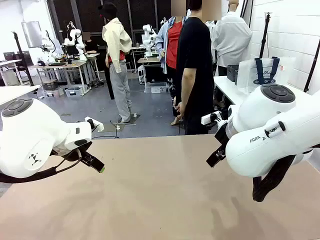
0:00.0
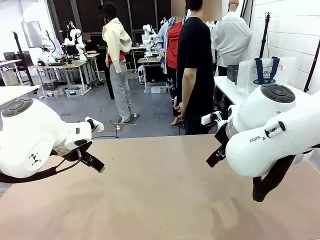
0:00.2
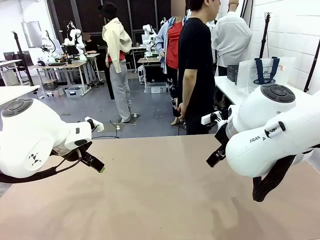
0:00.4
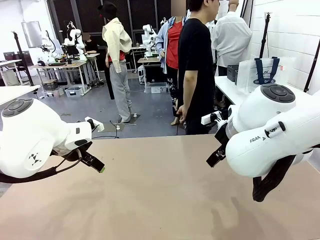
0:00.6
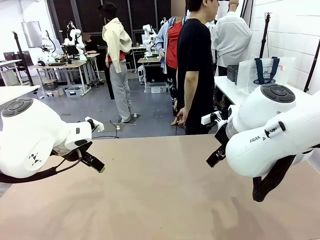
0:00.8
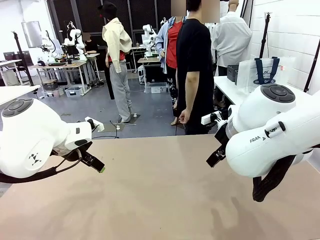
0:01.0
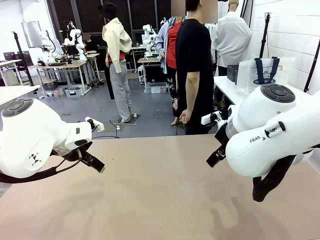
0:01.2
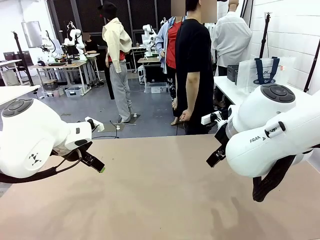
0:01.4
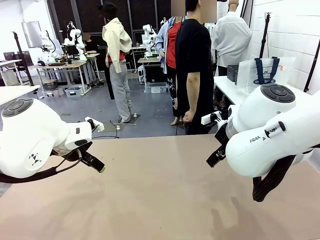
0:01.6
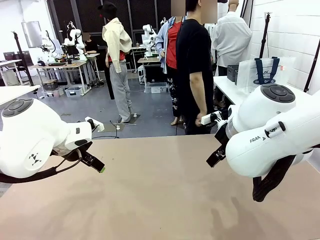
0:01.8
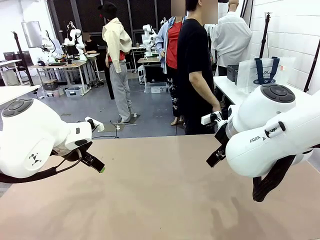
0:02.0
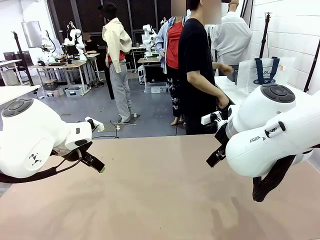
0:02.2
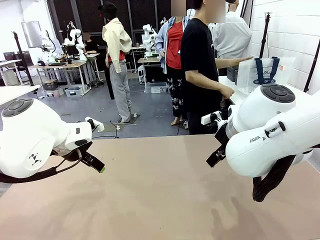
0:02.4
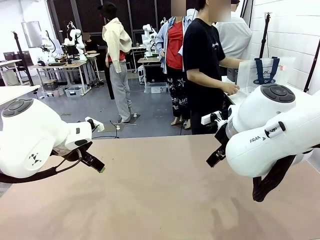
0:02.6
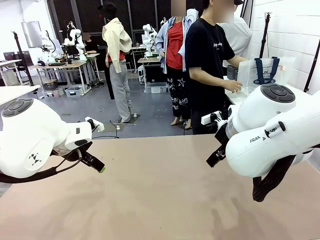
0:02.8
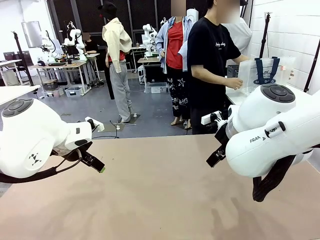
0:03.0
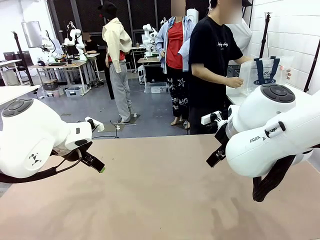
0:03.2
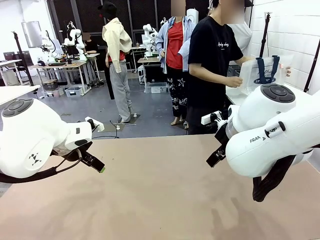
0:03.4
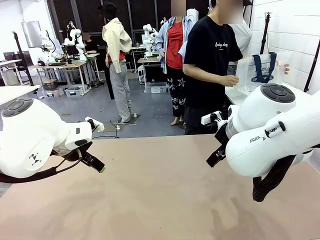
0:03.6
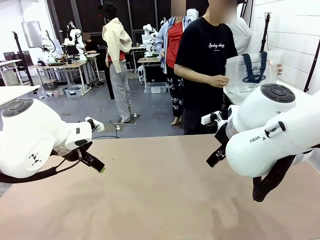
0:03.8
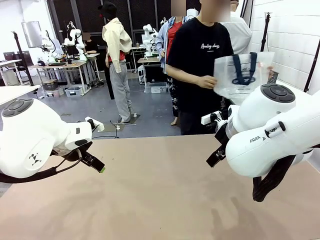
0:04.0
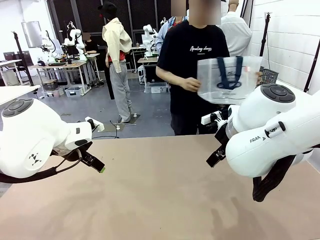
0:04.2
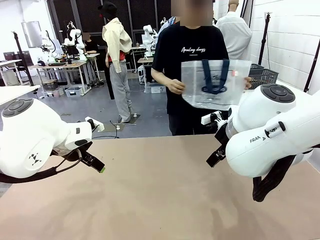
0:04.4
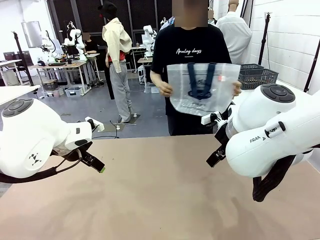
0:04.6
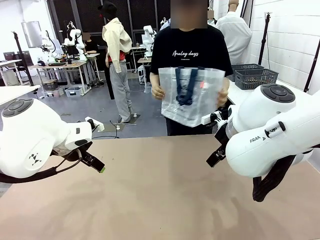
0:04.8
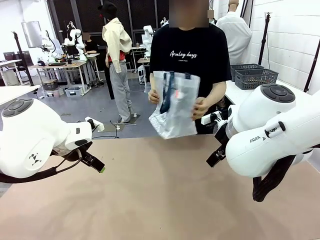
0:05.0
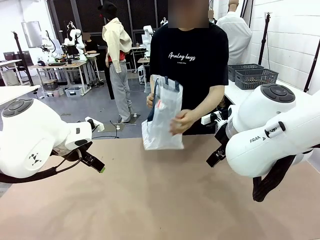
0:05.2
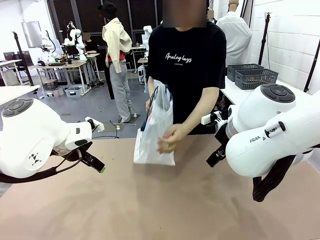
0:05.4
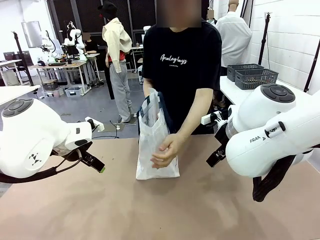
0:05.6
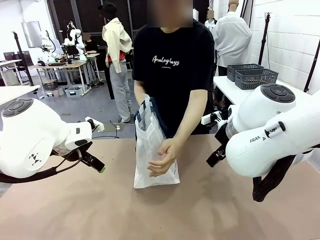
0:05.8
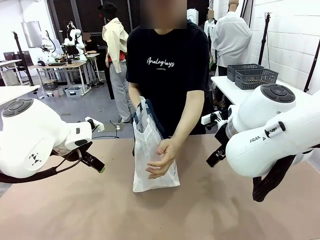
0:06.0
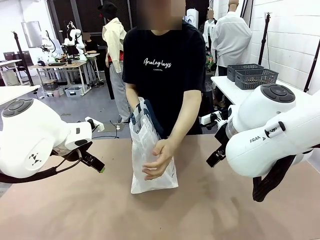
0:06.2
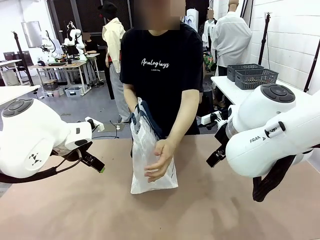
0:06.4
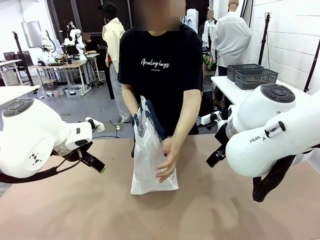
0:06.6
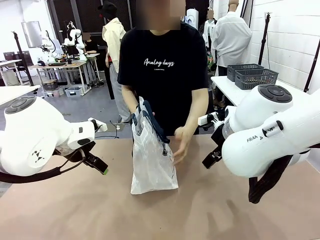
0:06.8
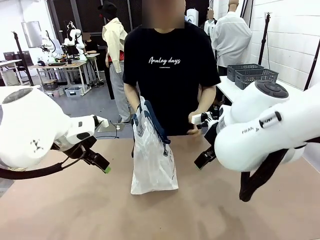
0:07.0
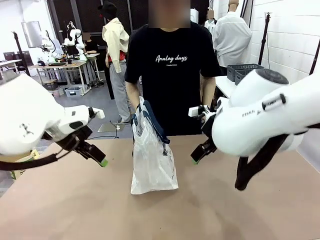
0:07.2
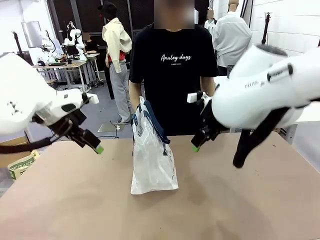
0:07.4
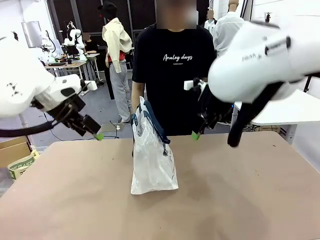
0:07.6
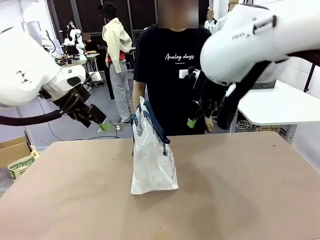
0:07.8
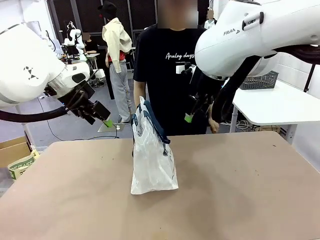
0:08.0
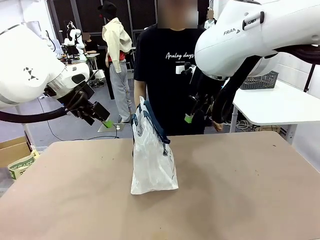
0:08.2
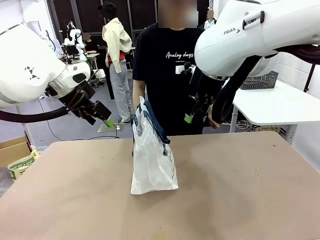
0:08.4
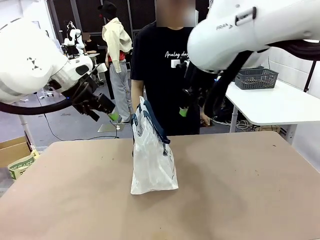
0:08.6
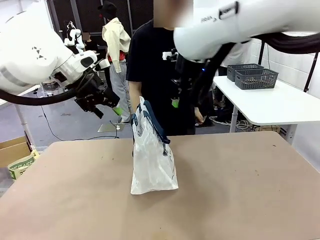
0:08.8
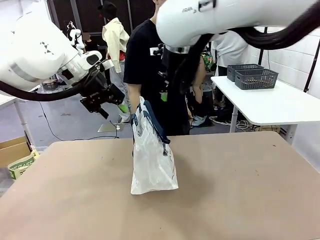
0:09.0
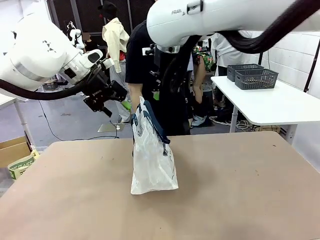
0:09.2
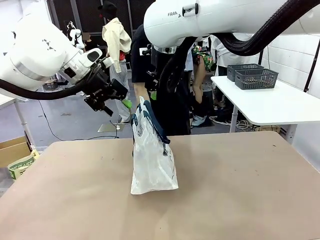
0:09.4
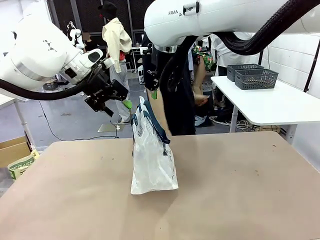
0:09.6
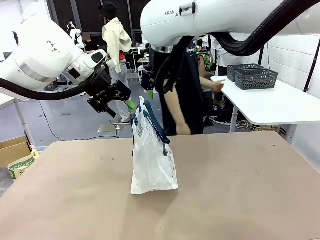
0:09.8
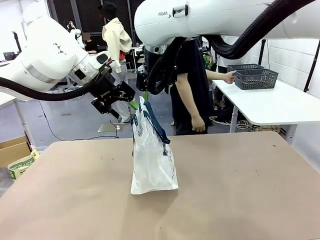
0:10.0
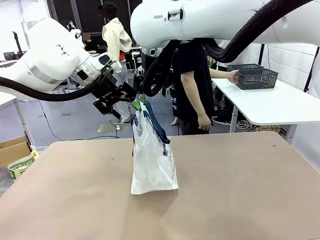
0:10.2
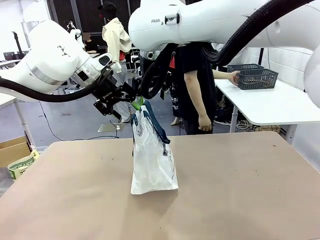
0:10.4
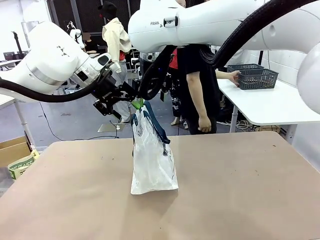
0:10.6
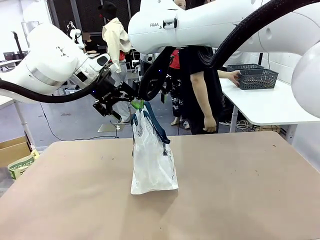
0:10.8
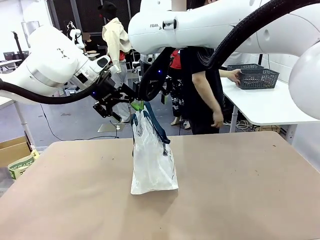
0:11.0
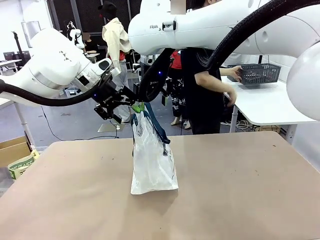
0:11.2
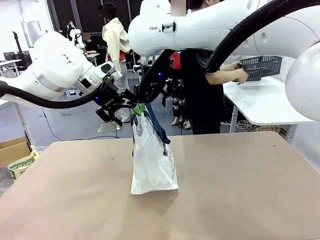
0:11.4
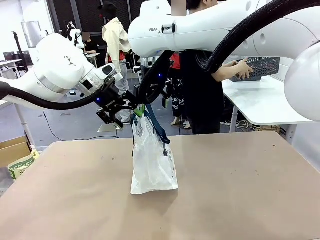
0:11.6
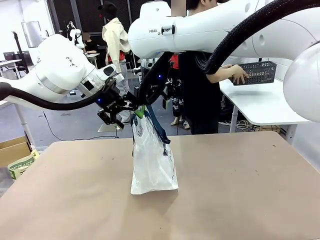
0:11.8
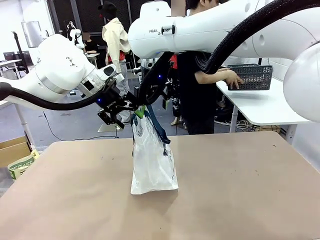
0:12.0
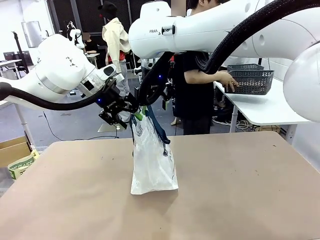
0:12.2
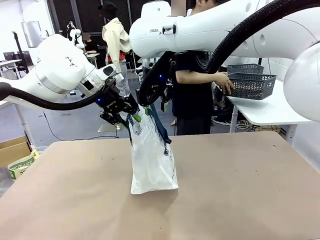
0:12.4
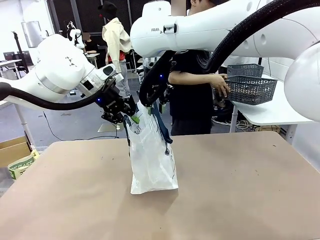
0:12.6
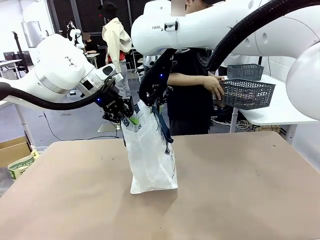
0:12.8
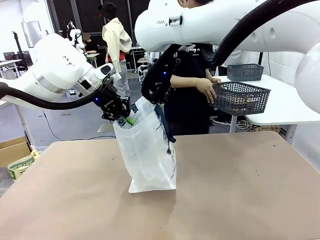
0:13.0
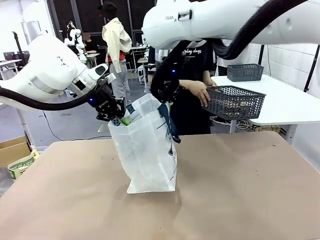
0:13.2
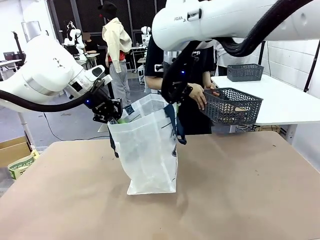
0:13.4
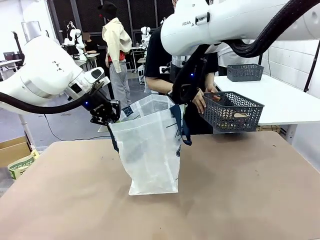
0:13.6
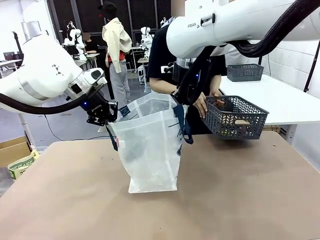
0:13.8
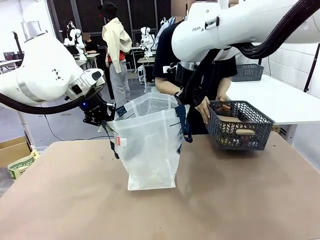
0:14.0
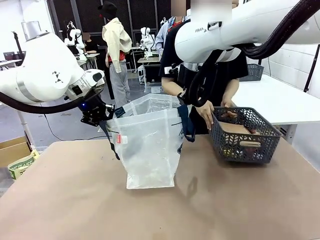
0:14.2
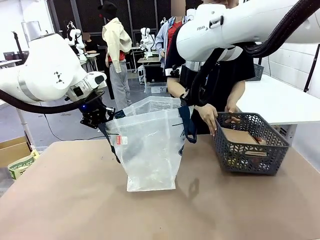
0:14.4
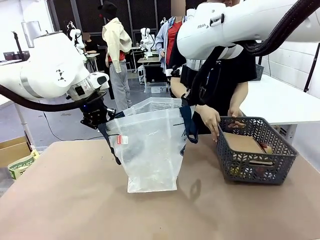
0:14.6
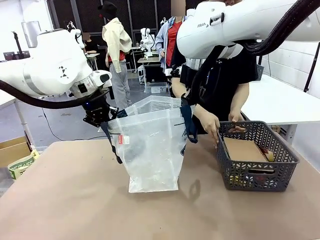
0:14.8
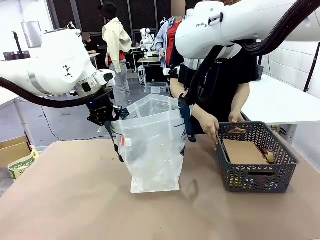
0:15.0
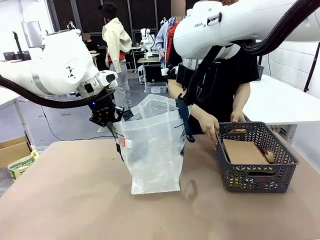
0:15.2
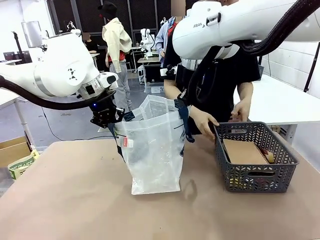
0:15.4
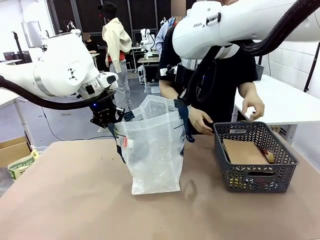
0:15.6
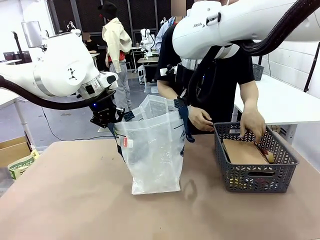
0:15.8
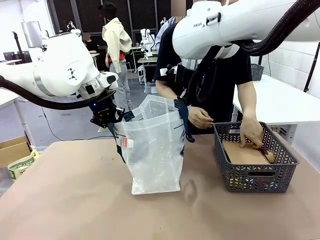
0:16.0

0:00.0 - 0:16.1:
Task: Transfer purchased items from the store into the shopping bag.
Robot: Open the Reusable shopping bag in the center of the table.
Person: Pick up the shopping bag and place it in the middle of the robot table.
